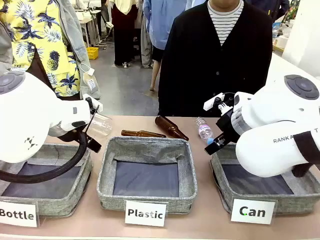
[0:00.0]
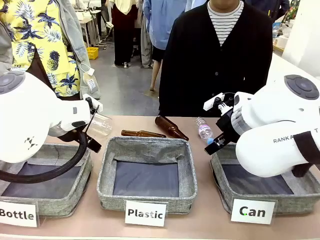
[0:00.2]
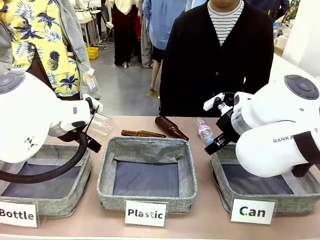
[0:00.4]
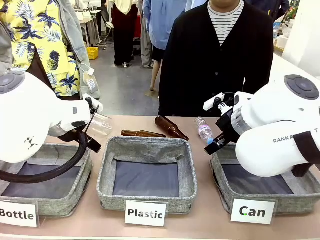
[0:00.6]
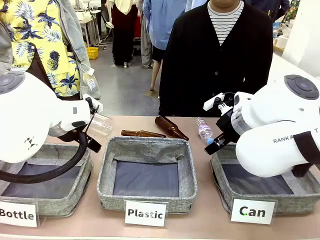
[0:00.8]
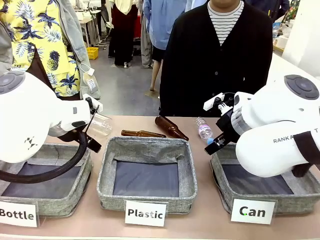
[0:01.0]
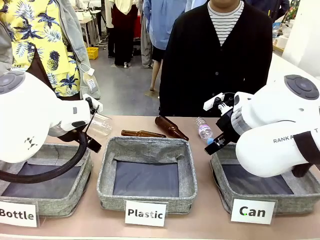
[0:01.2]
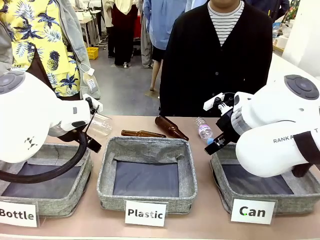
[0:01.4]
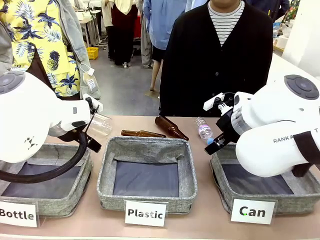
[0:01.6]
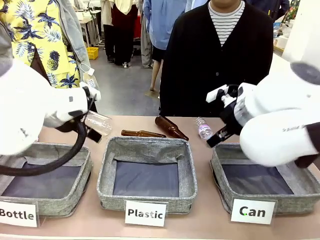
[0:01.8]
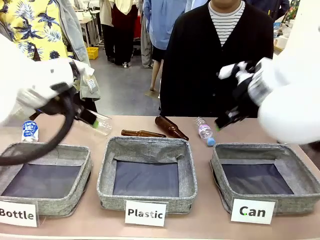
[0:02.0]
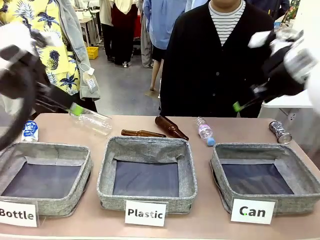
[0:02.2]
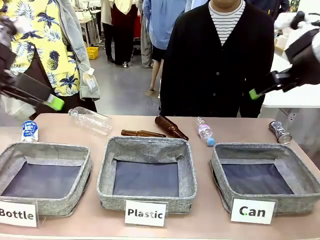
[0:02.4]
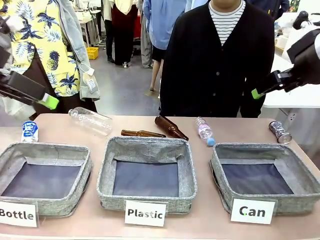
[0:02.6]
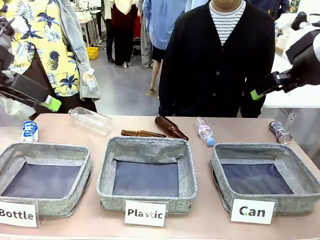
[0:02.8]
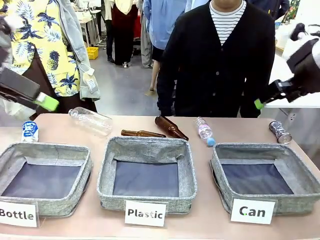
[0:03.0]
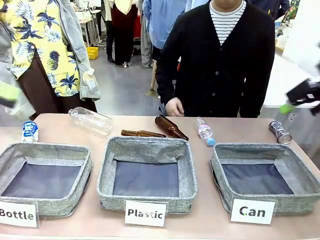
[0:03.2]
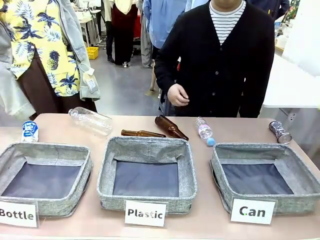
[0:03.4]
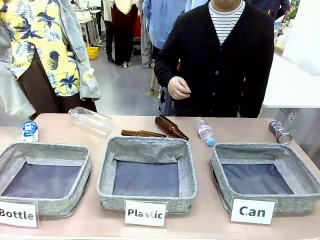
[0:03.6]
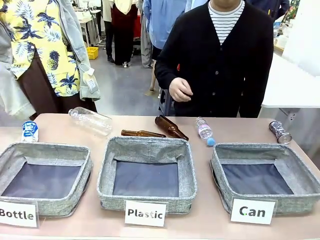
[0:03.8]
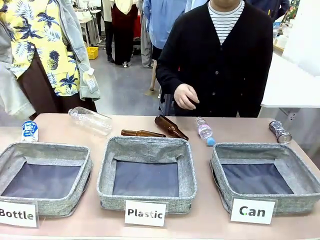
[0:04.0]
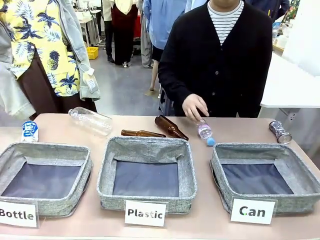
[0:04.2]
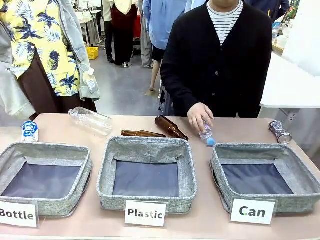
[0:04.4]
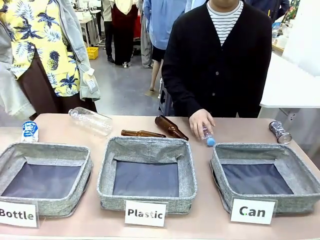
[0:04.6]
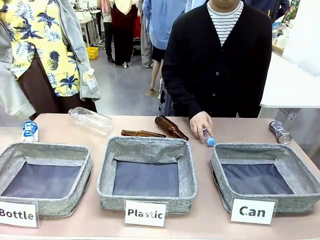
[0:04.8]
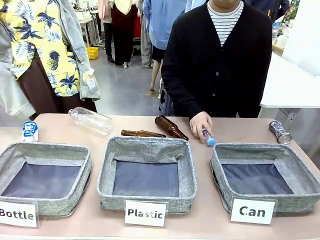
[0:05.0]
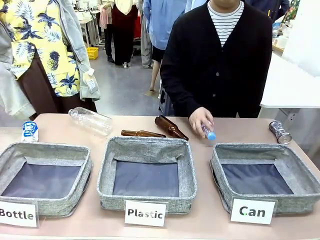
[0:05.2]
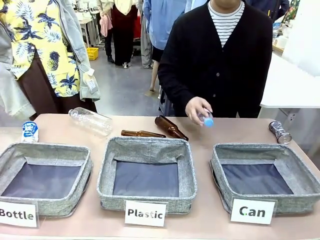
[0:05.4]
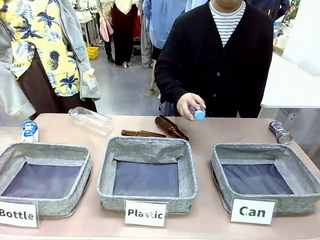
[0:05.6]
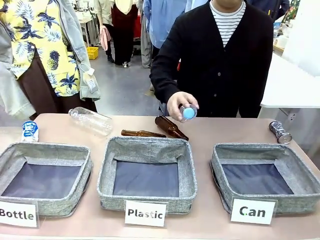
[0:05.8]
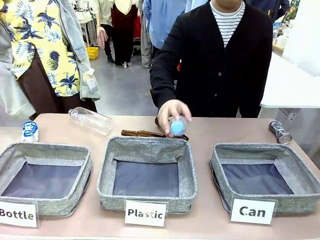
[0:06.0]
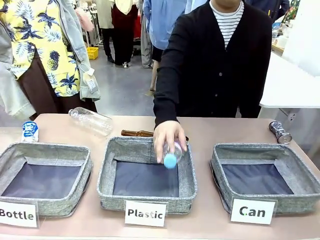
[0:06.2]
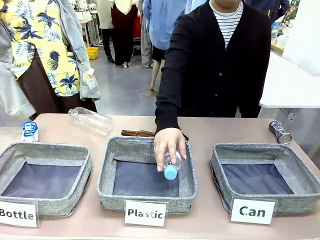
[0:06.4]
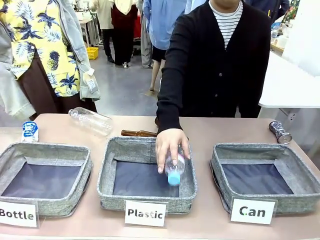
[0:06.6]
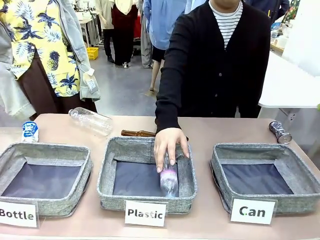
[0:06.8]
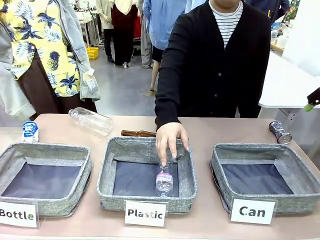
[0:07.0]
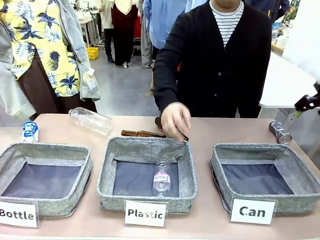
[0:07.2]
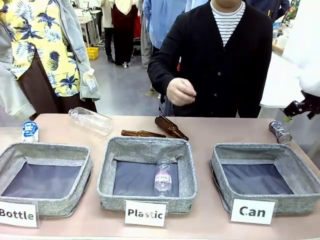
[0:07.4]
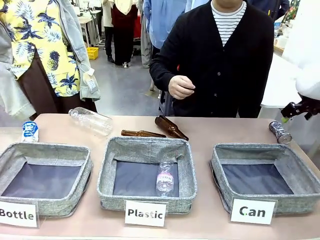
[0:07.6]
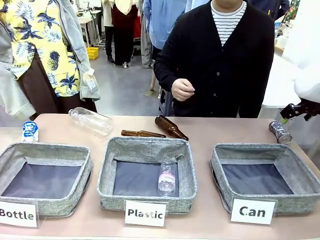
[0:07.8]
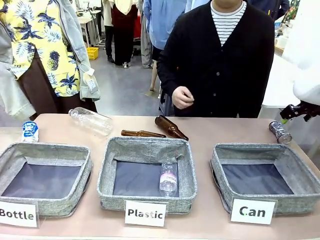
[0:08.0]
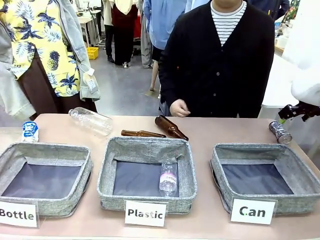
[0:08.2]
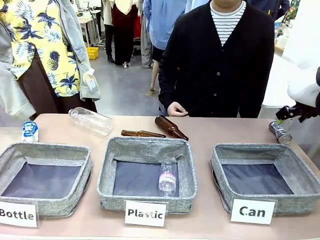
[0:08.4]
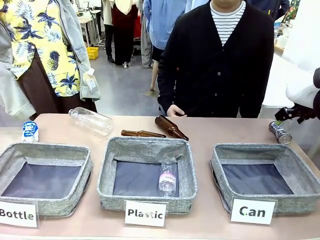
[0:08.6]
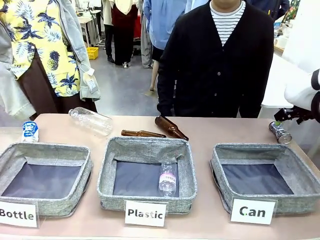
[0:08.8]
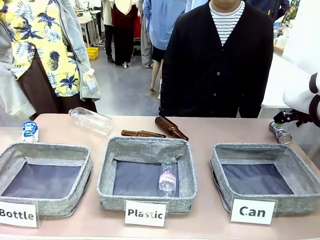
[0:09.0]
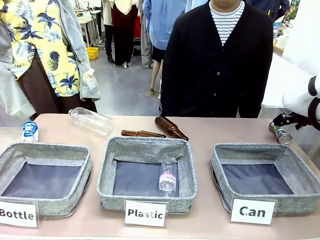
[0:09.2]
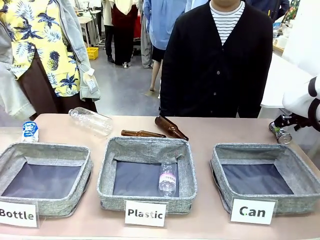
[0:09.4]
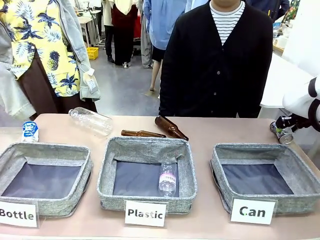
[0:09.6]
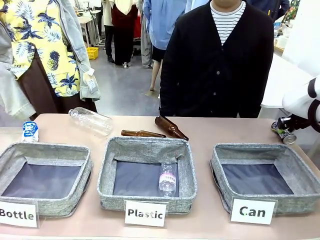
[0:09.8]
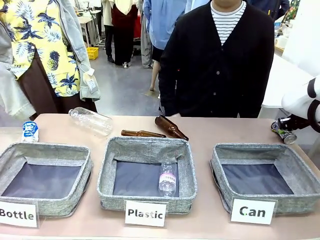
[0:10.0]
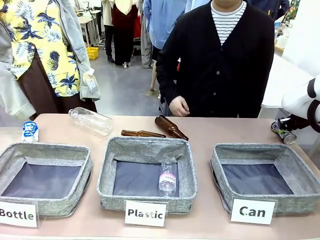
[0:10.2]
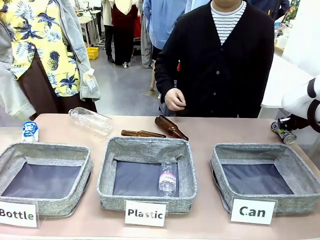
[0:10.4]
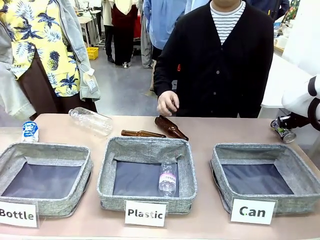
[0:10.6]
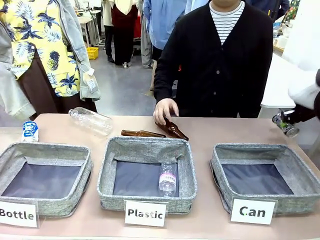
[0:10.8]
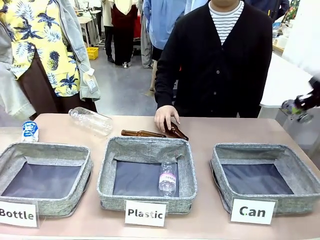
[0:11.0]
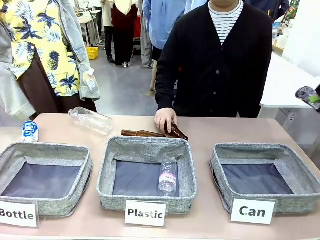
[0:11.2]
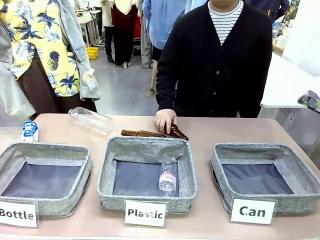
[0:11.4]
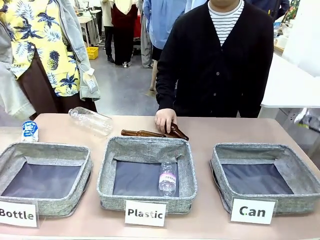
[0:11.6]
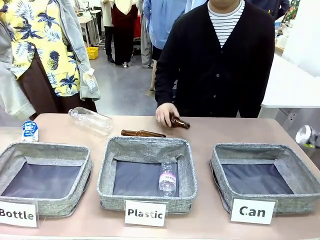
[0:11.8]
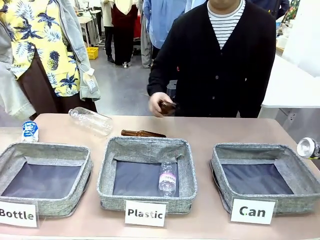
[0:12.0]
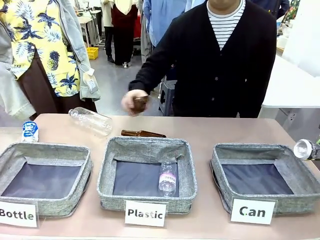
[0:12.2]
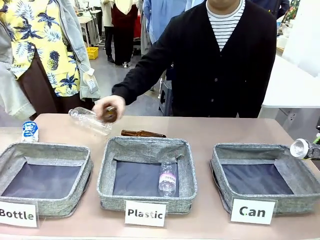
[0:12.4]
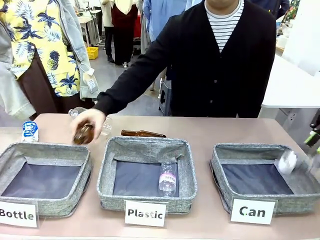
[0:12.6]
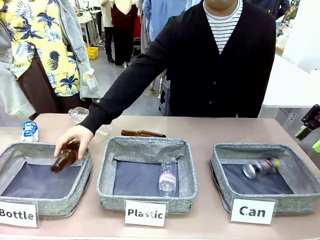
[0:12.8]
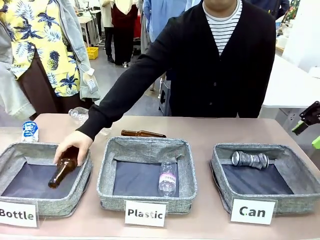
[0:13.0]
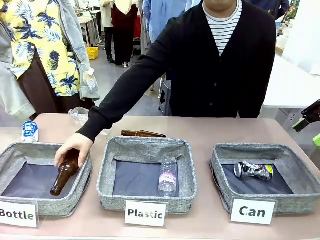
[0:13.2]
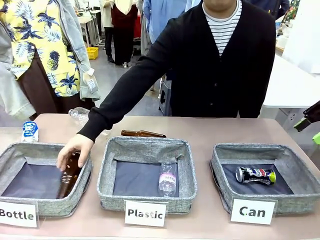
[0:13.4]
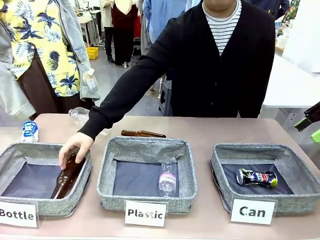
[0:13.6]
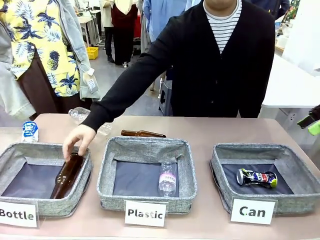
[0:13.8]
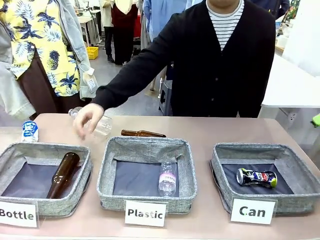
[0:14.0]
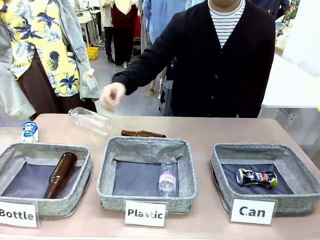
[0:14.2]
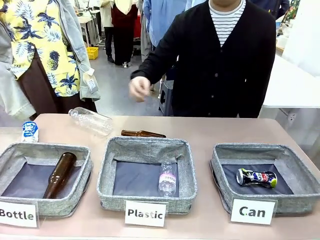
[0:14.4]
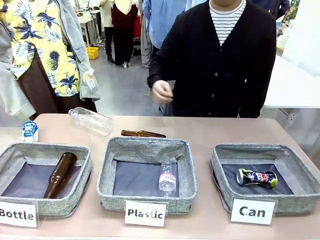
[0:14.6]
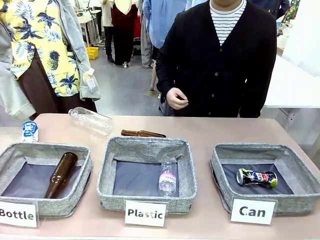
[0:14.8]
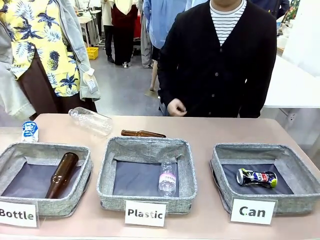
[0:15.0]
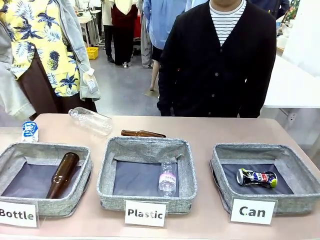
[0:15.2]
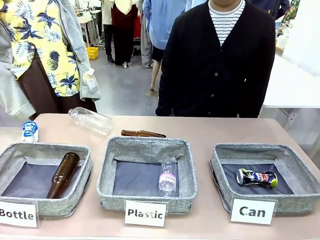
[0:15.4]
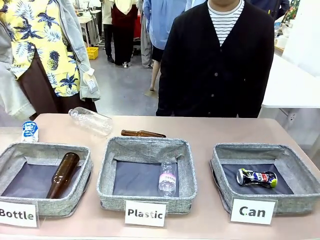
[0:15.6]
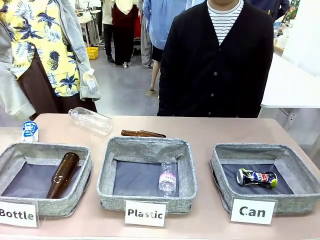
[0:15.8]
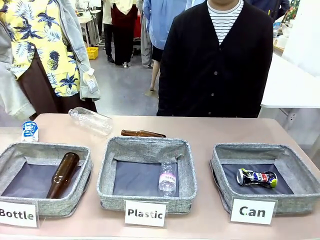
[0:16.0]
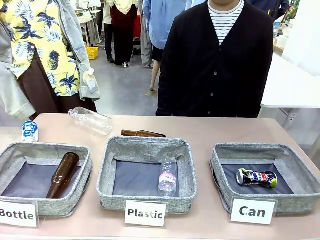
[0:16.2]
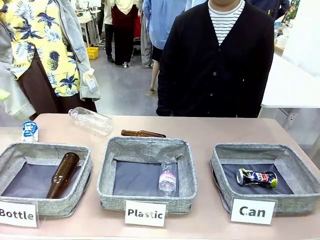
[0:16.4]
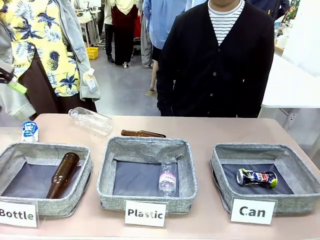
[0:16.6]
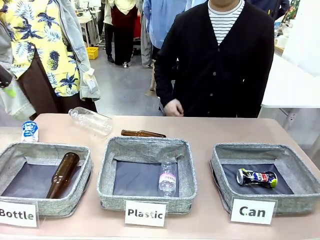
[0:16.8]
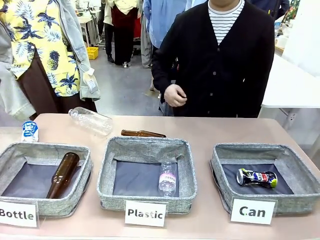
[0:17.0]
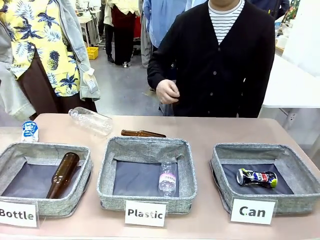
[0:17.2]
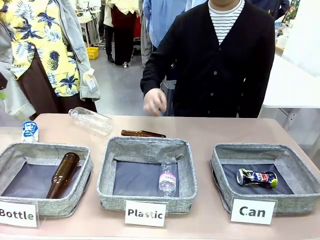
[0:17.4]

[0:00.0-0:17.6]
Task: Sort the can waste into the basket.
Robot: Pick up the can waste from the table and place it in the right Fabric basket.
